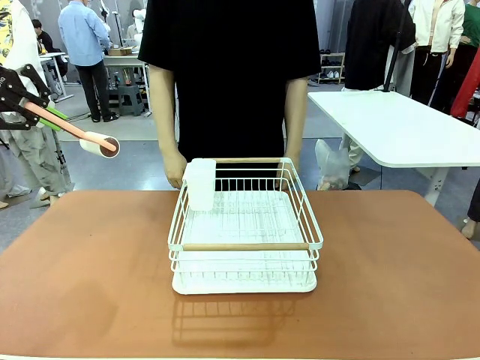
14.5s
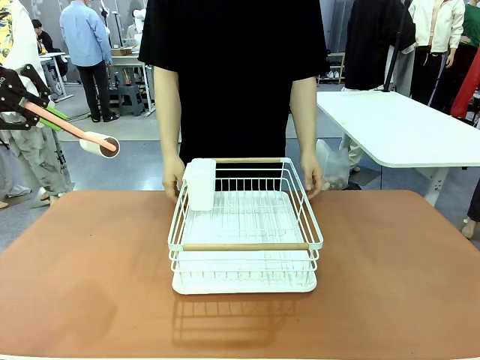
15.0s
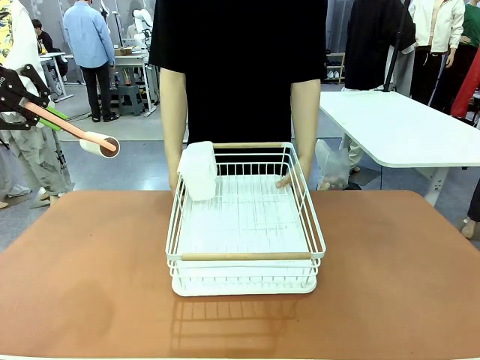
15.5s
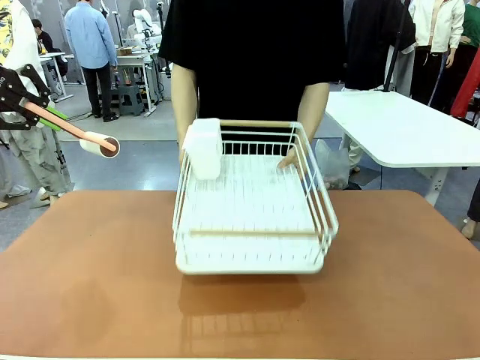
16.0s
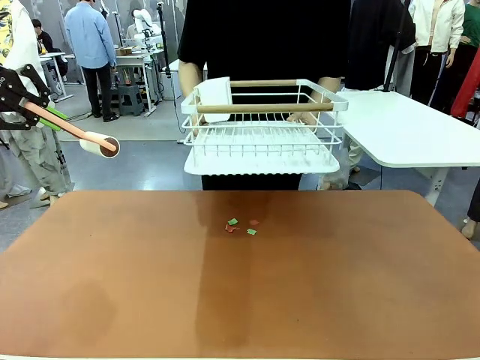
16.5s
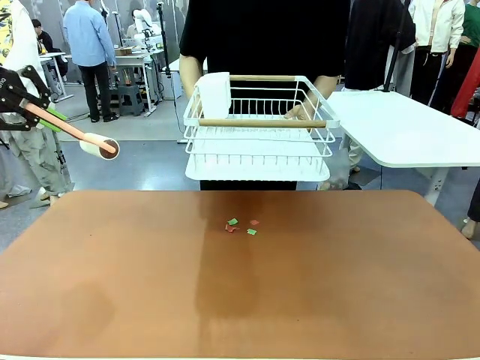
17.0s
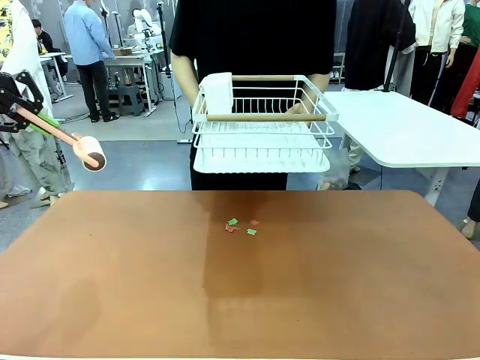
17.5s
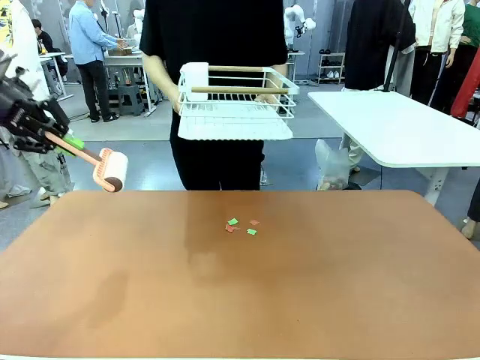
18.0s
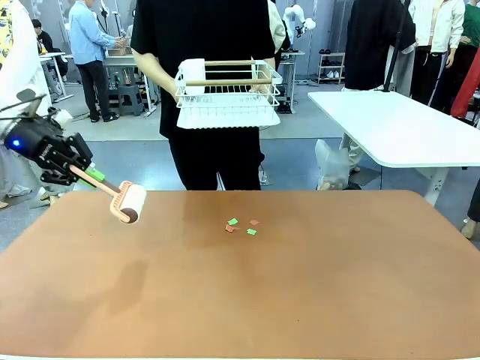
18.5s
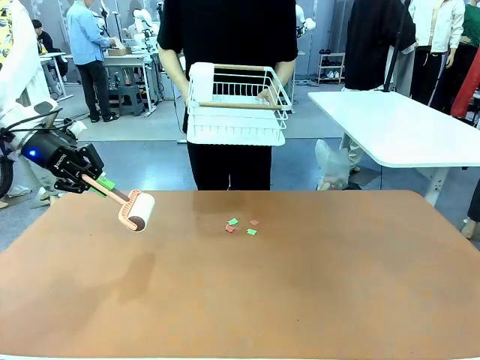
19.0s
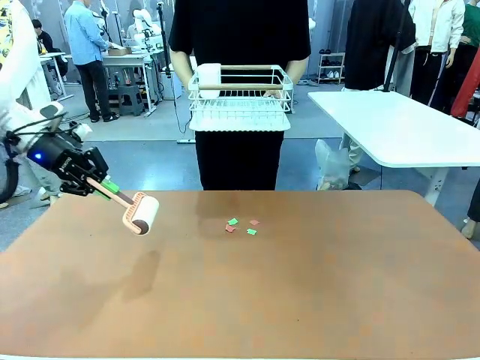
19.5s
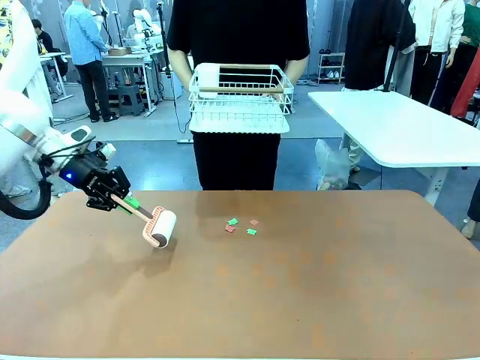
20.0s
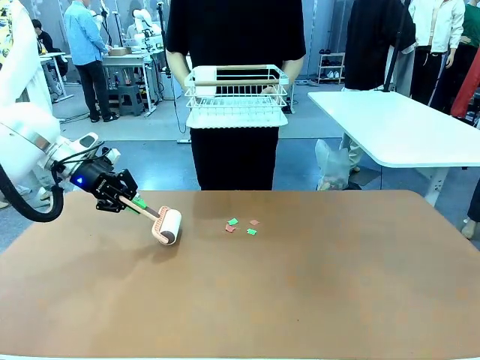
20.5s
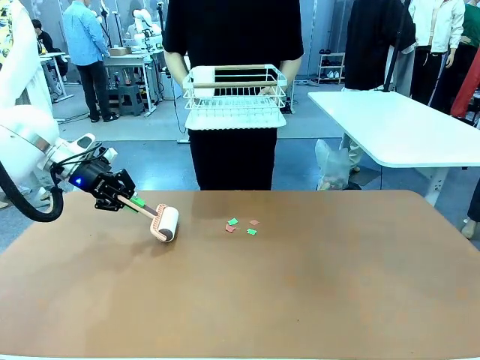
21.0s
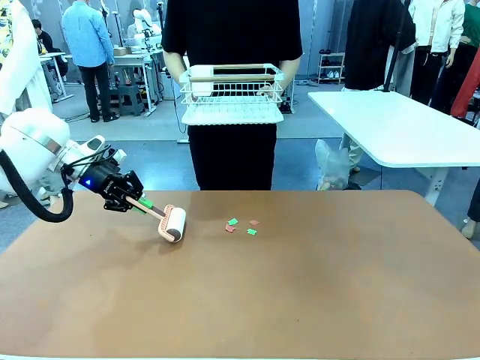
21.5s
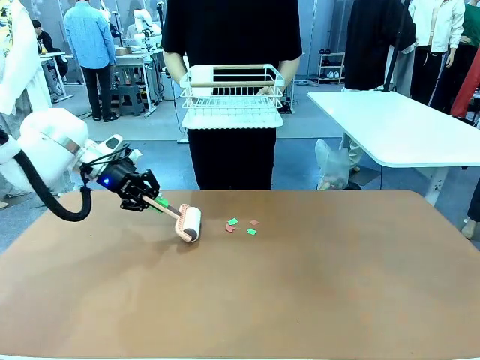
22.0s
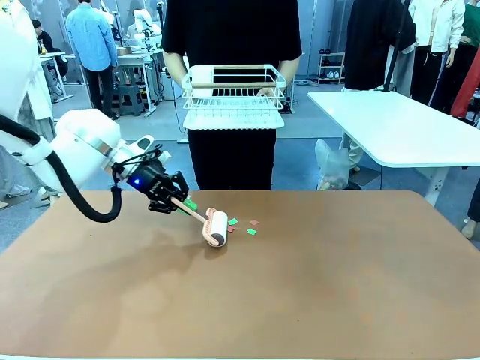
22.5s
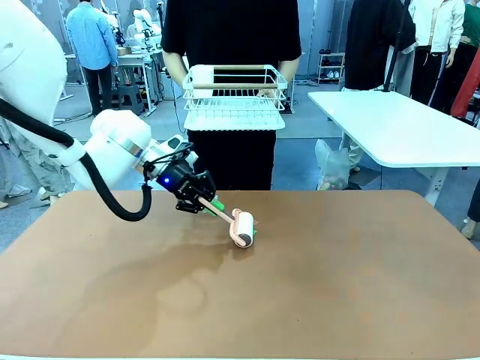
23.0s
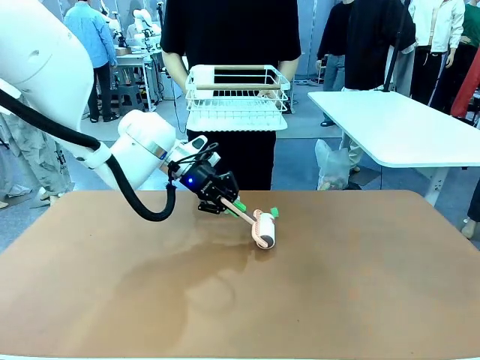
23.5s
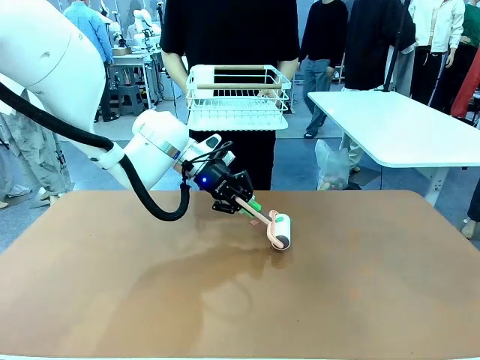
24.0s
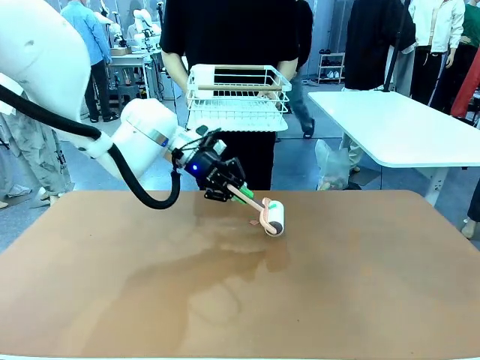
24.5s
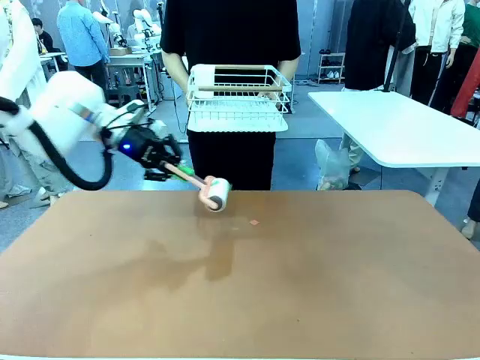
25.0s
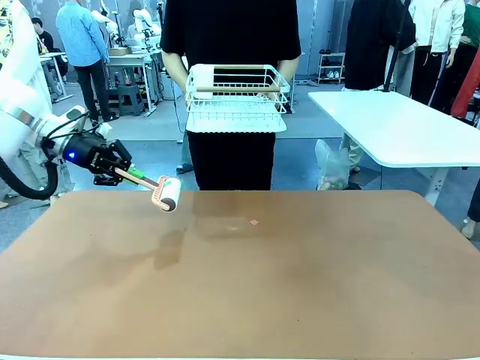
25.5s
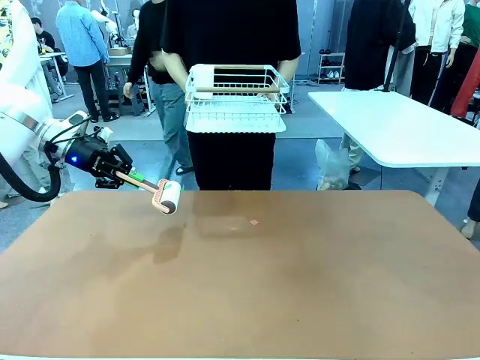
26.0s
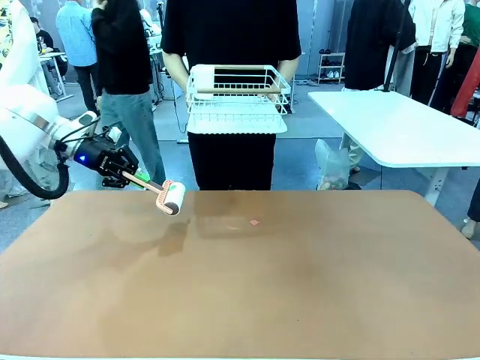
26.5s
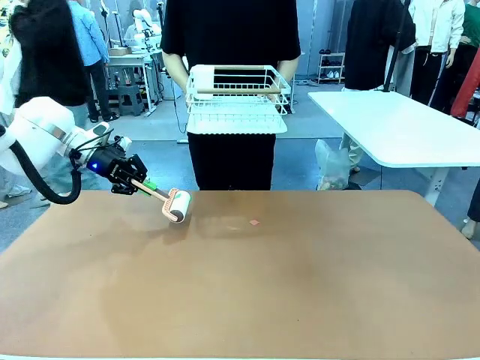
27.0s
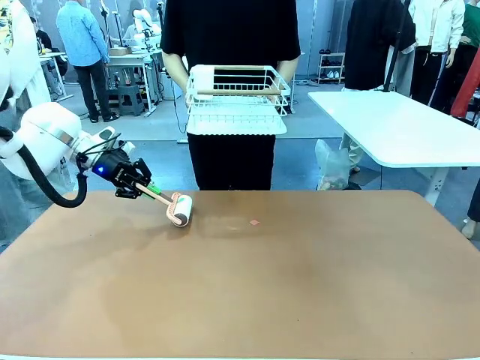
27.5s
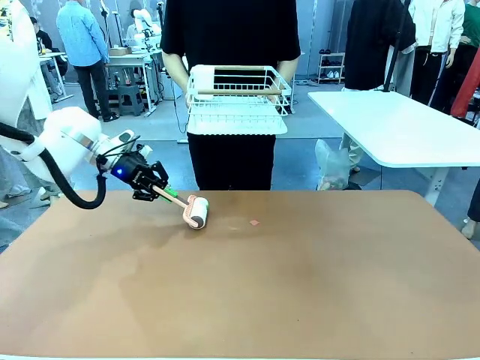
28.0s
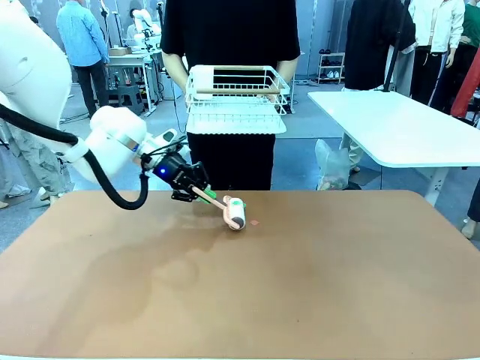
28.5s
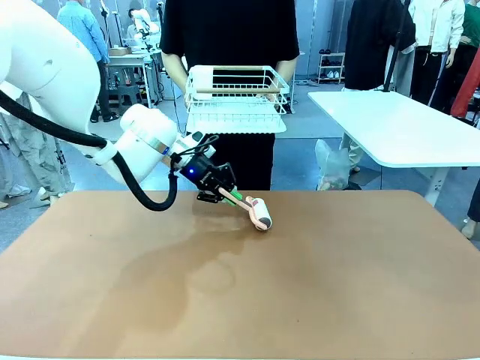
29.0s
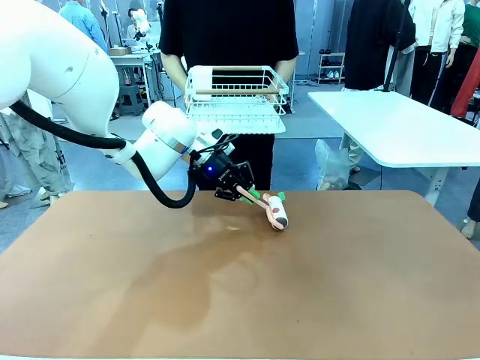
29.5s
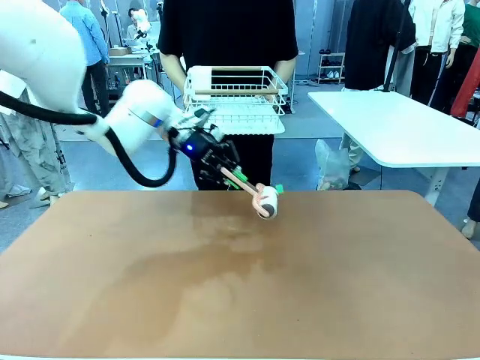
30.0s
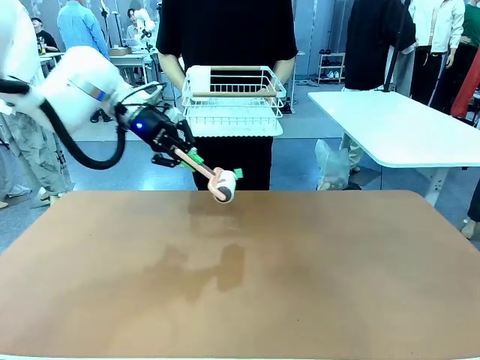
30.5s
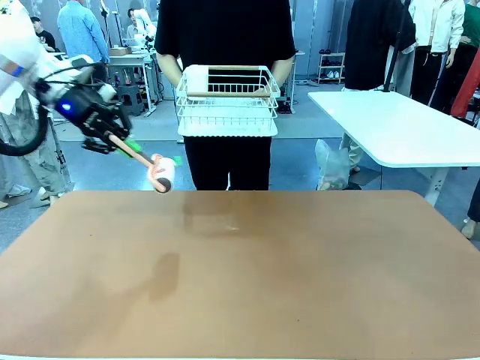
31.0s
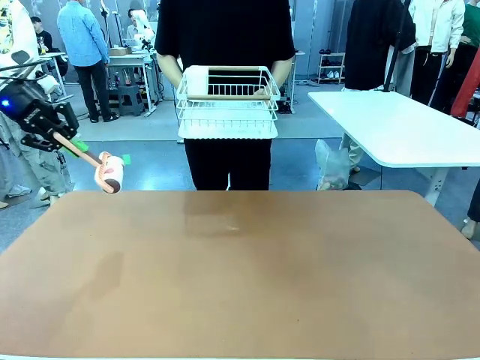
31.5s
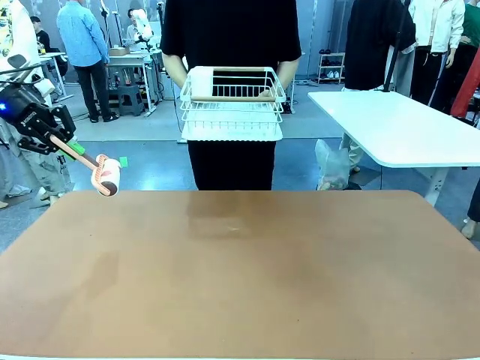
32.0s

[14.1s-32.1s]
Task: Clean the table.
Robot: Clean the table with the Lint Roller when the human lifts the Dish drying rack.
Person: Place the Dish drying rack down when the robot finishes cleaning.

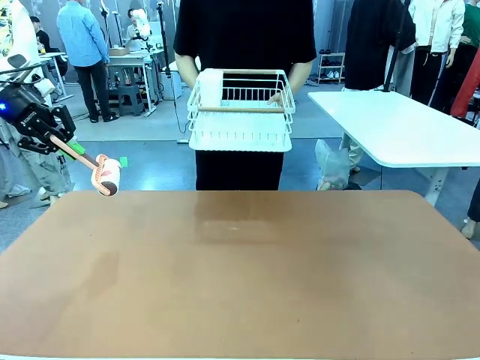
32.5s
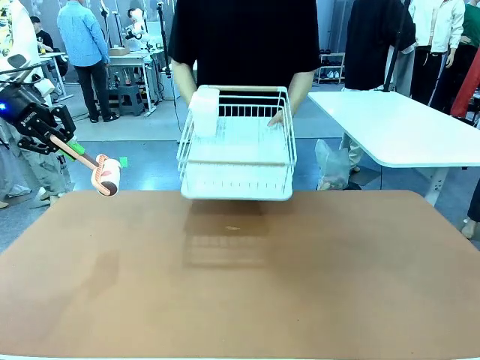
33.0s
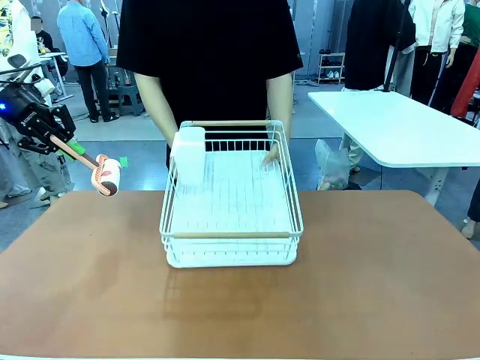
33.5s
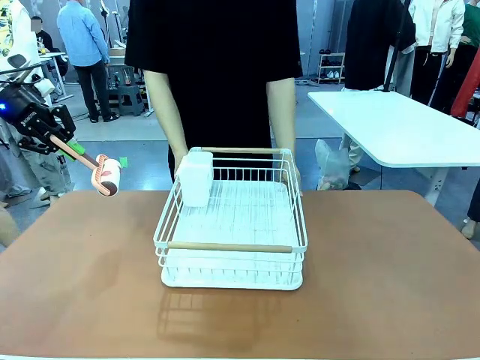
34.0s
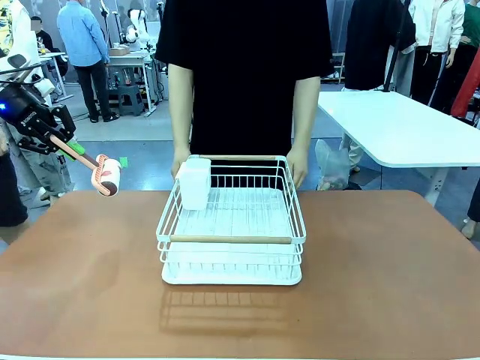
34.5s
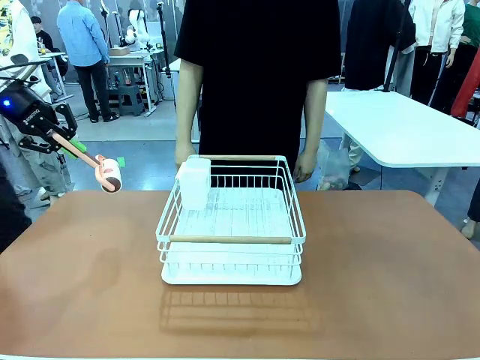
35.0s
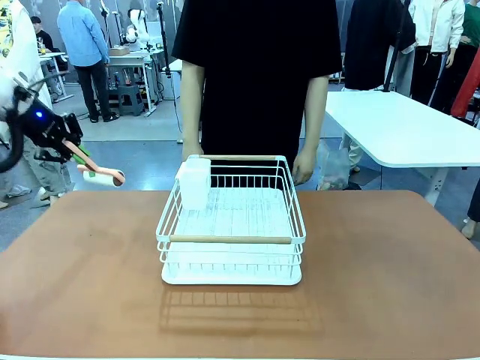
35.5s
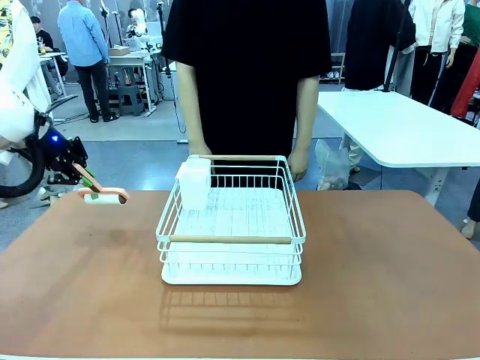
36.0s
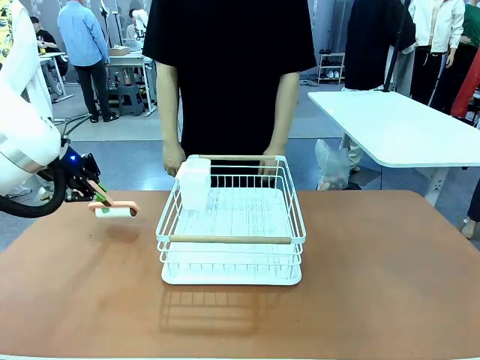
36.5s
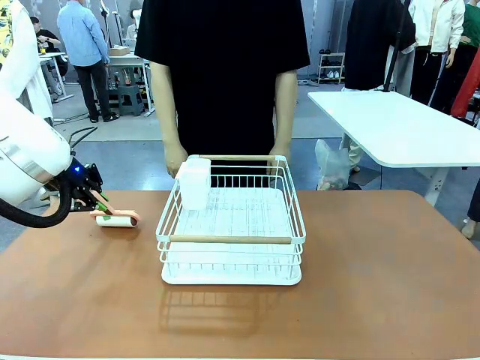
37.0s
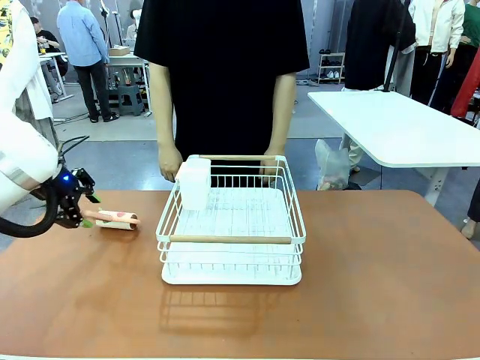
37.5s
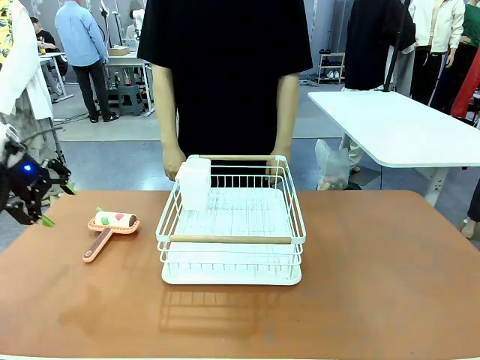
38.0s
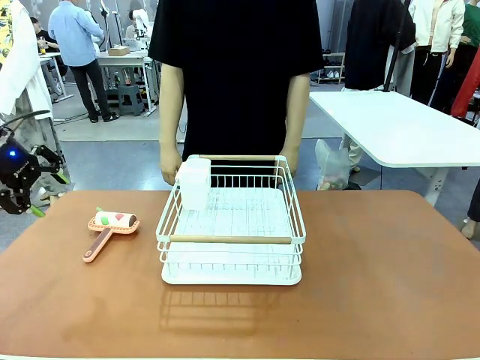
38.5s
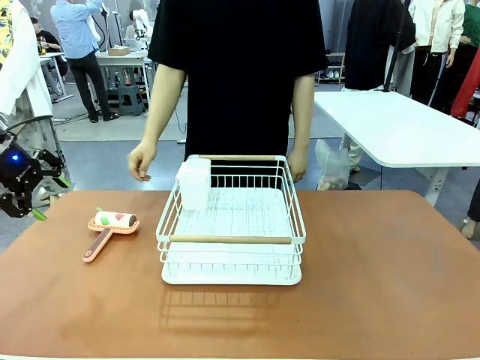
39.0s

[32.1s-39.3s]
Robot: Place the Lint Roller down when the Dish drying rack is positioned in the middle of the table.
